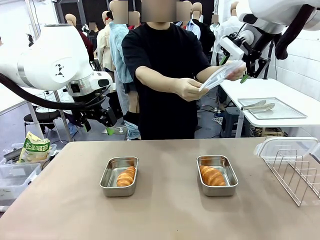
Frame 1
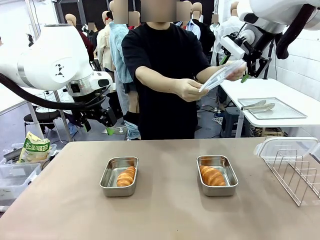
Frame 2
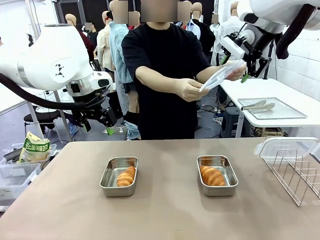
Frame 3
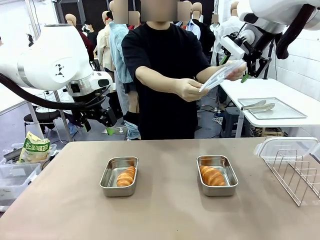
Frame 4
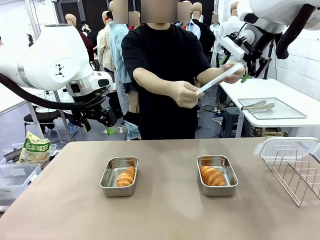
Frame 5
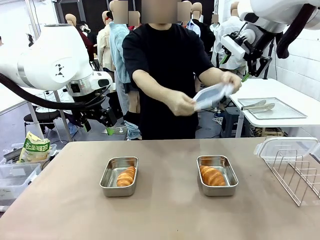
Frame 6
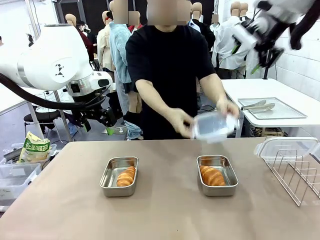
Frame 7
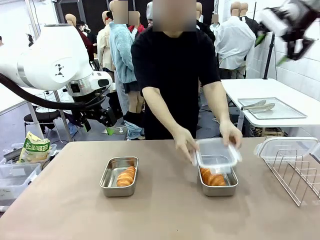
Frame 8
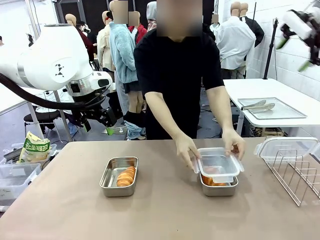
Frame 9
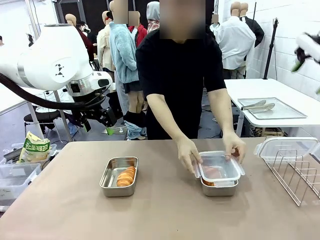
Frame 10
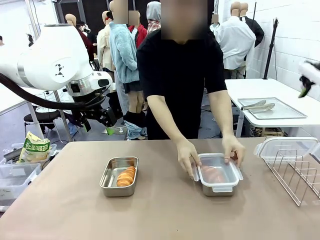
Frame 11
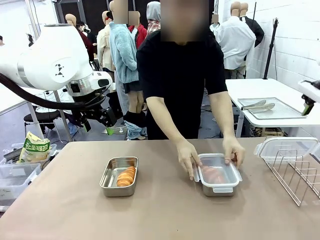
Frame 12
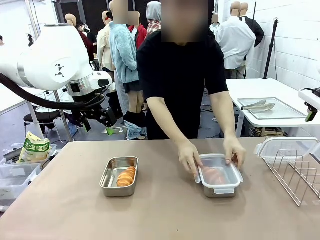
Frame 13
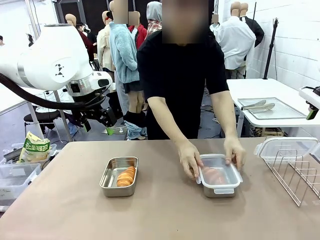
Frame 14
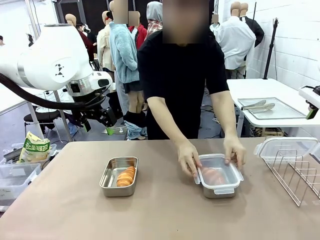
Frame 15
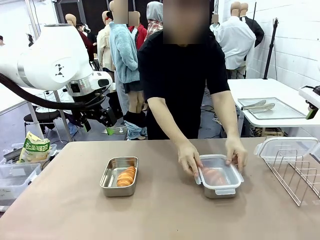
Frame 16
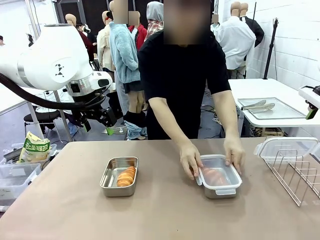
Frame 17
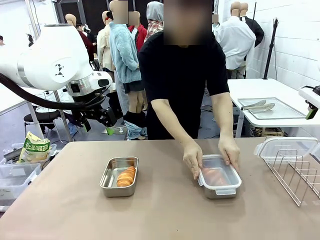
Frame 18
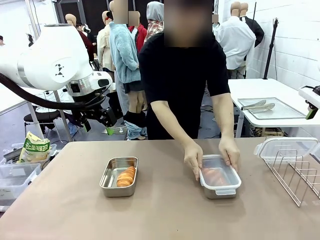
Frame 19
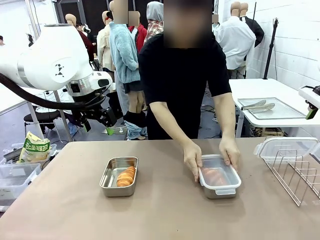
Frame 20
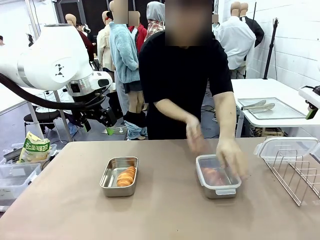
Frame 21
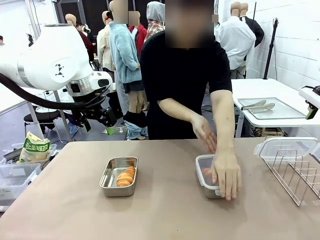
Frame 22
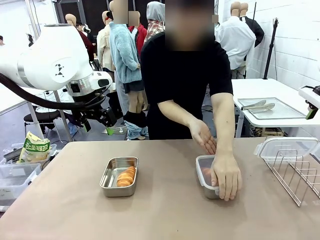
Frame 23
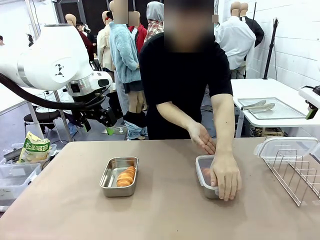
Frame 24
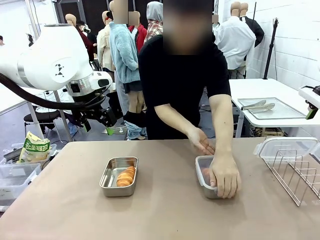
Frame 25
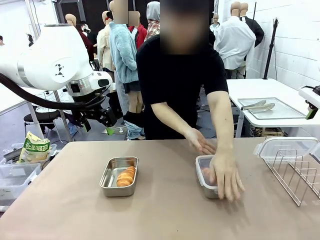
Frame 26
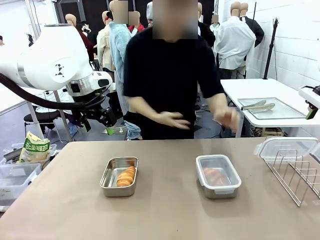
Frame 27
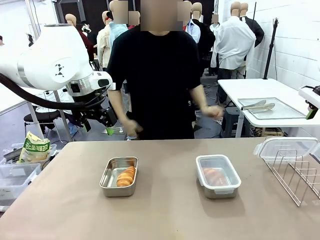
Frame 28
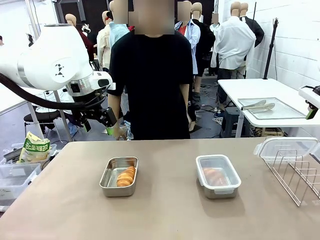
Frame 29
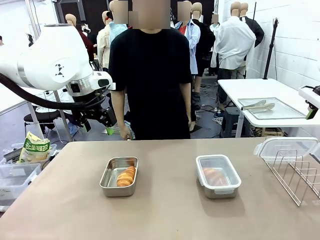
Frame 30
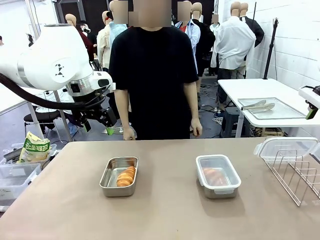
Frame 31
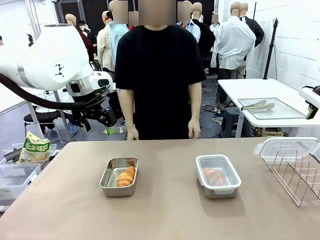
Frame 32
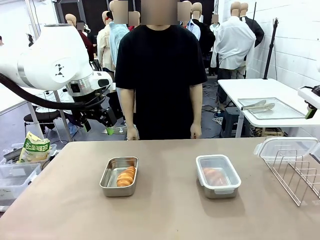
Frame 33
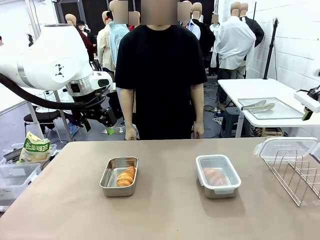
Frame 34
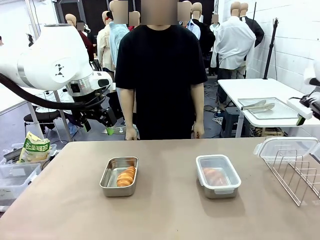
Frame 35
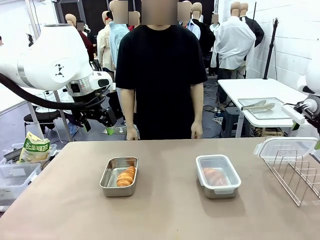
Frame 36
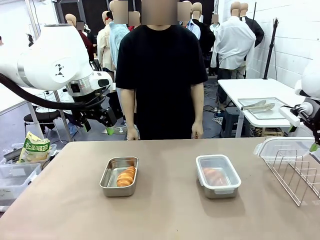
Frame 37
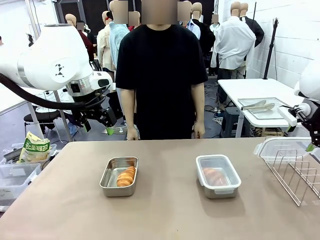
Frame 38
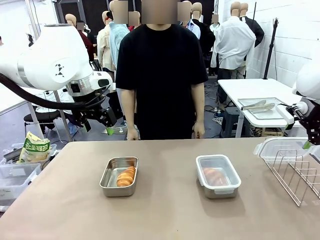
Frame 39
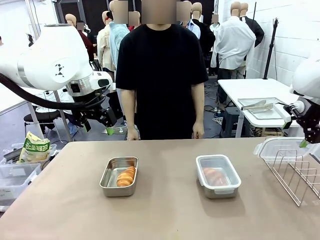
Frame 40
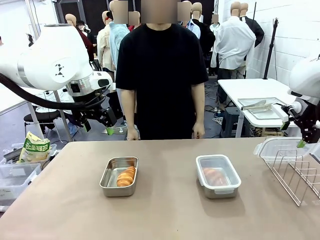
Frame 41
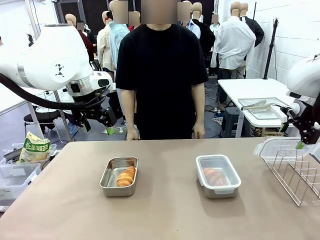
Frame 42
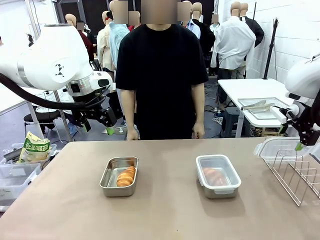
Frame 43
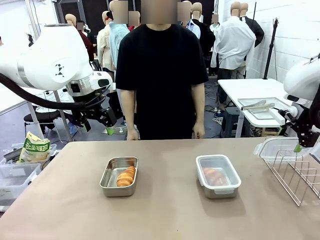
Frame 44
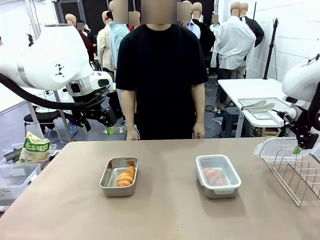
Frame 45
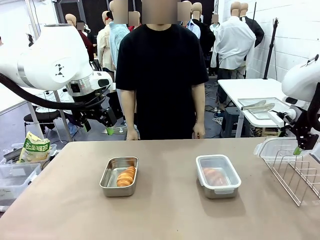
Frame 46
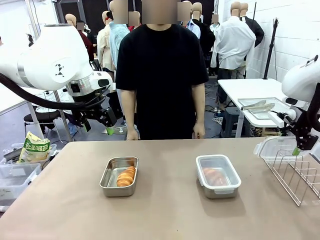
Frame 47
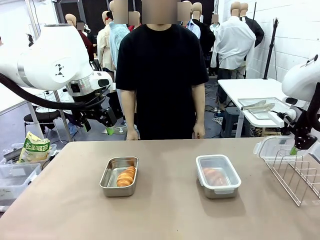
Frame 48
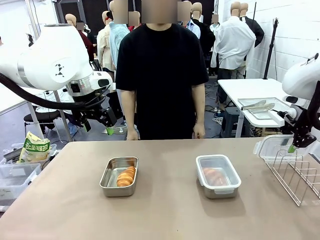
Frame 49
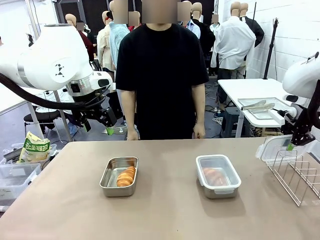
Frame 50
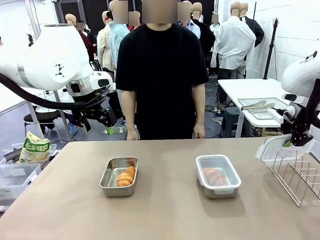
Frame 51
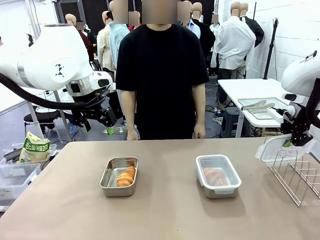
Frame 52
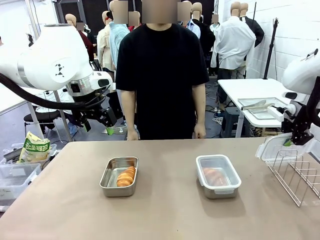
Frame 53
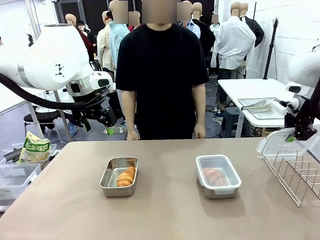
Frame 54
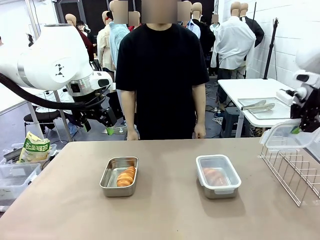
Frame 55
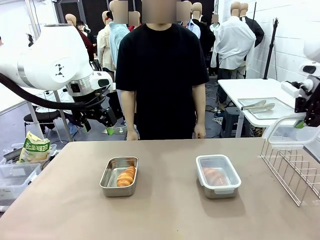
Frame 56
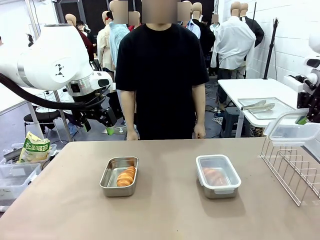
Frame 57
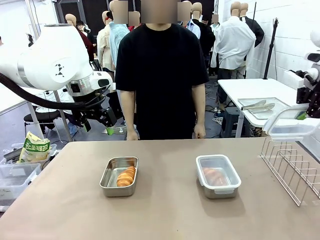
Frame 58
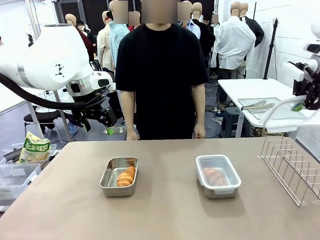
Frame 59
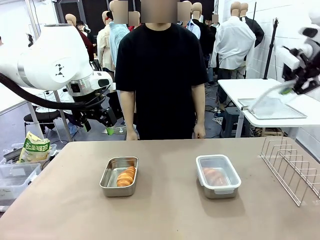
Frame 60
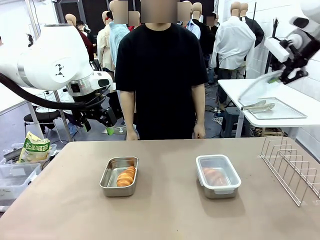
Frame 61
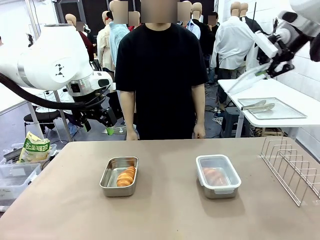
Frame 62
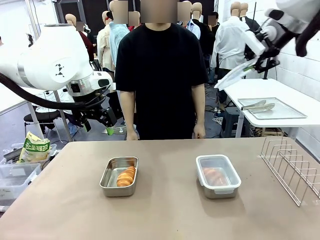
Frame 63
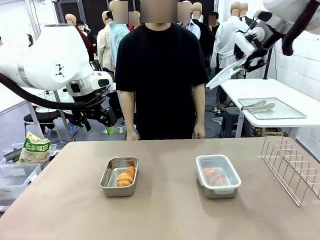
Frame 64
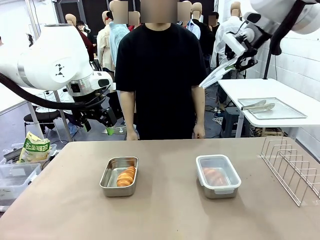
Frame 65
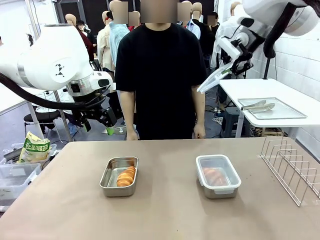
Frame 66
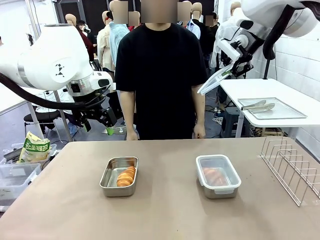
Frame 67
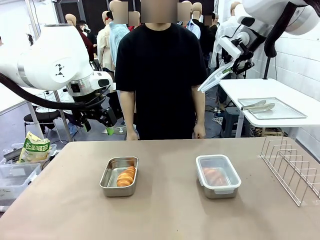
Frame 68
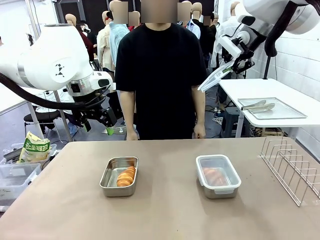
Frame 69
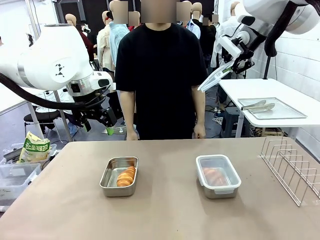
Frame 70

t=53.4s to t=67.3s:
Task: Place the bread in airtight containers.
Robot: Pick up one Airtight Container lid and hand it to the human.
Person: Close Airtight Container with a handed Airtight Container lid. Grip Airtight Container lid that robot is handing.

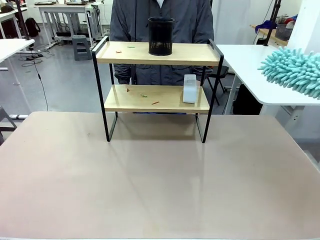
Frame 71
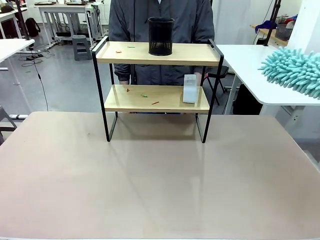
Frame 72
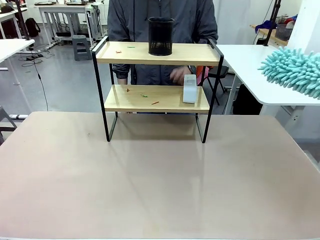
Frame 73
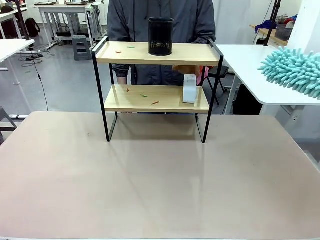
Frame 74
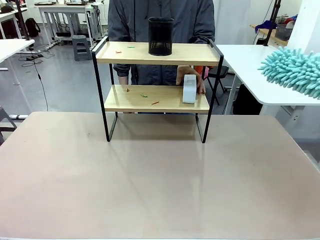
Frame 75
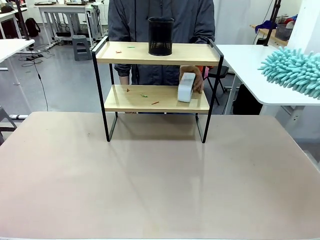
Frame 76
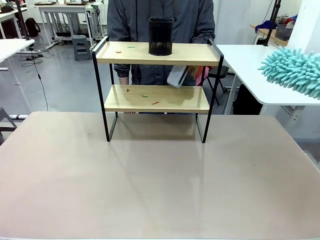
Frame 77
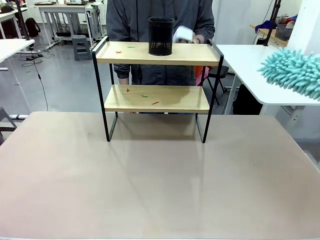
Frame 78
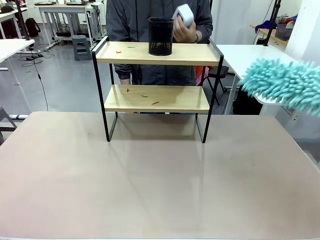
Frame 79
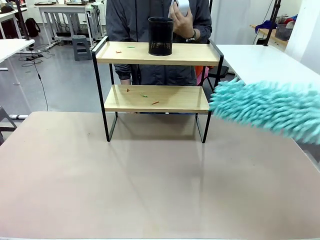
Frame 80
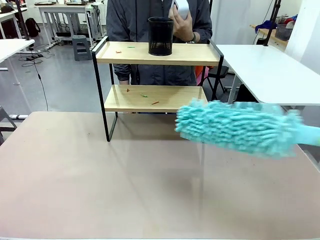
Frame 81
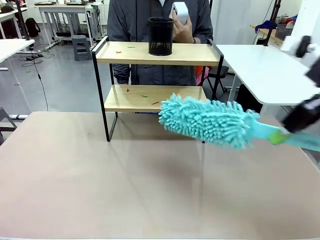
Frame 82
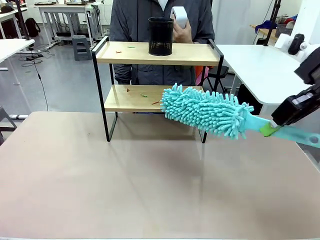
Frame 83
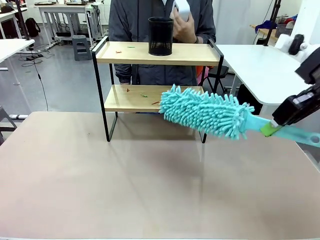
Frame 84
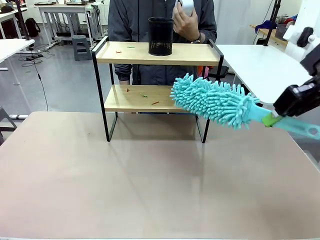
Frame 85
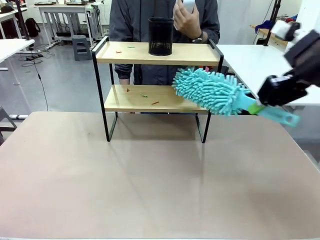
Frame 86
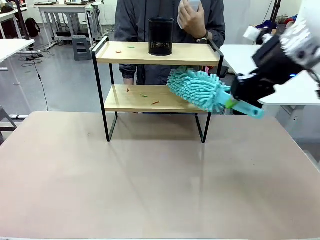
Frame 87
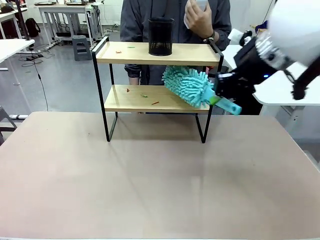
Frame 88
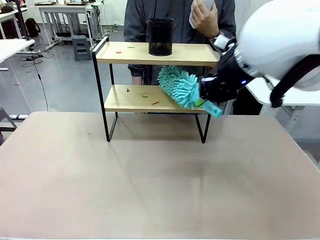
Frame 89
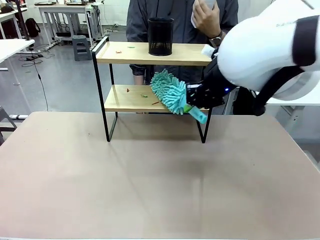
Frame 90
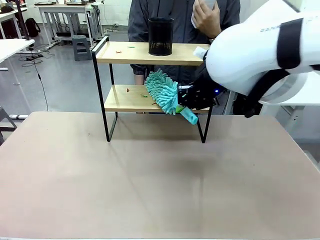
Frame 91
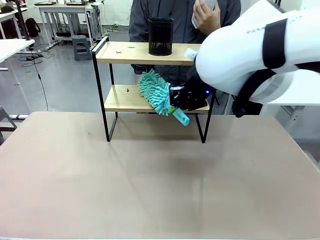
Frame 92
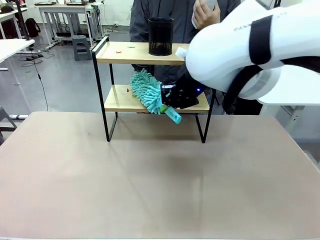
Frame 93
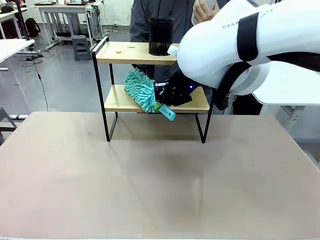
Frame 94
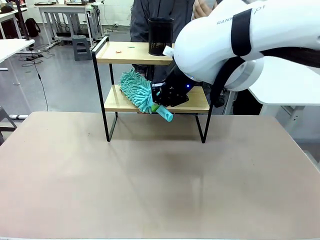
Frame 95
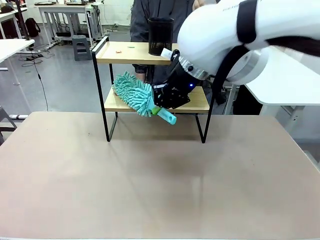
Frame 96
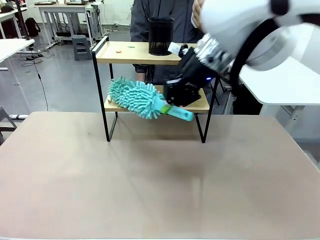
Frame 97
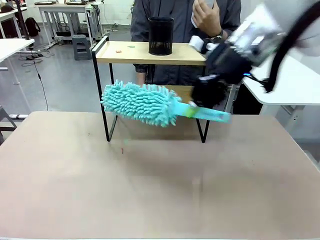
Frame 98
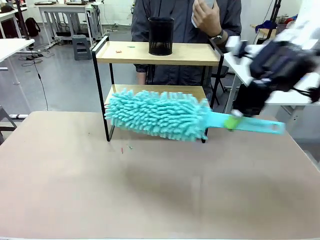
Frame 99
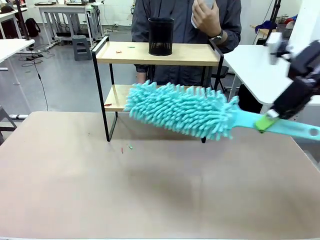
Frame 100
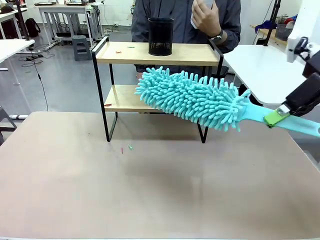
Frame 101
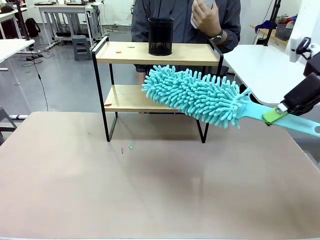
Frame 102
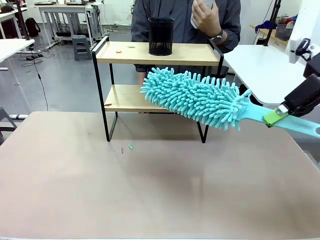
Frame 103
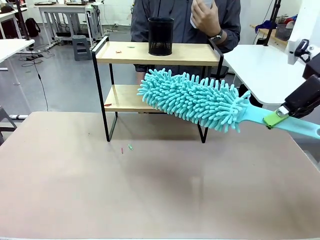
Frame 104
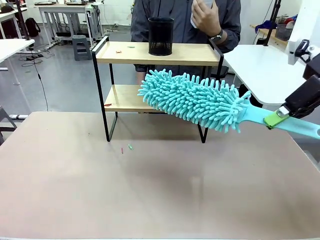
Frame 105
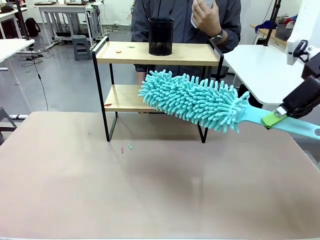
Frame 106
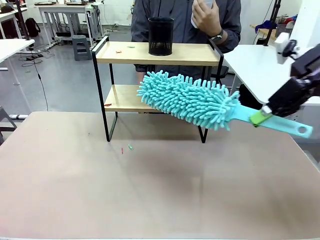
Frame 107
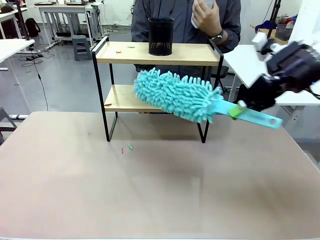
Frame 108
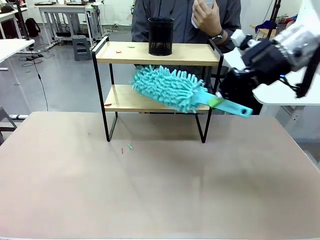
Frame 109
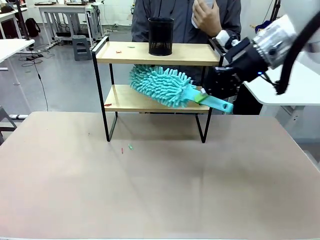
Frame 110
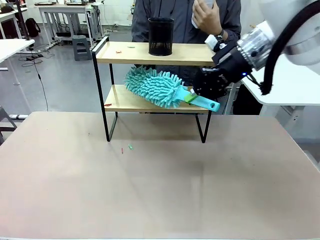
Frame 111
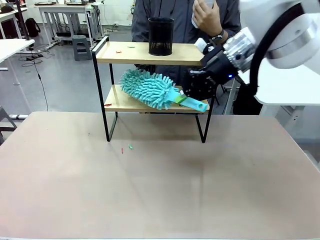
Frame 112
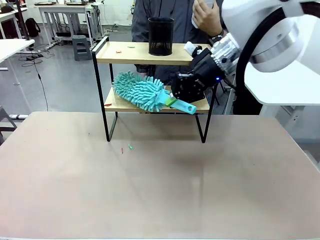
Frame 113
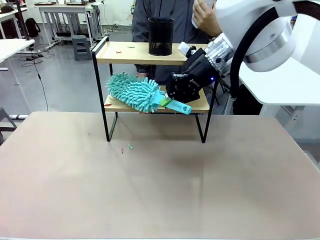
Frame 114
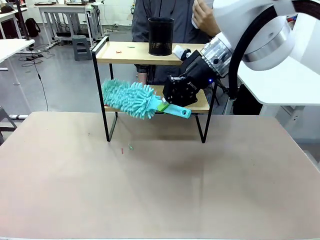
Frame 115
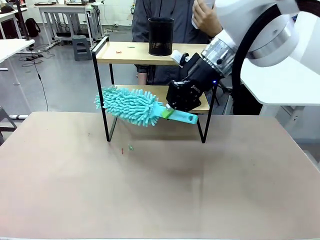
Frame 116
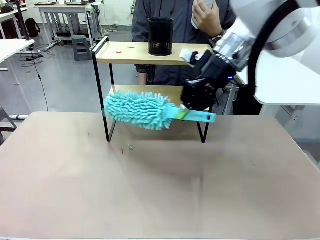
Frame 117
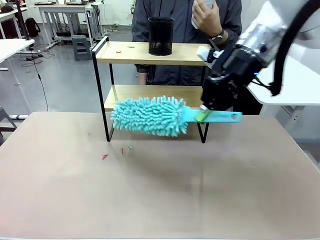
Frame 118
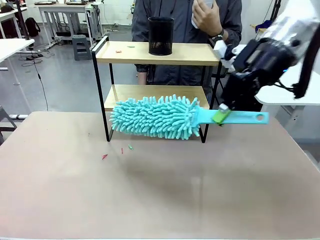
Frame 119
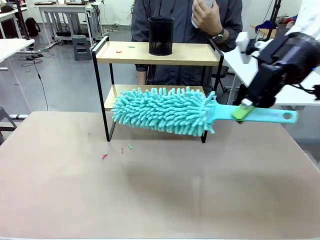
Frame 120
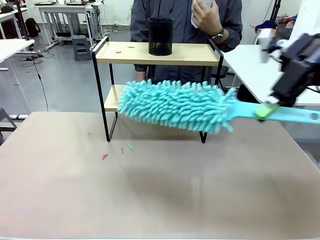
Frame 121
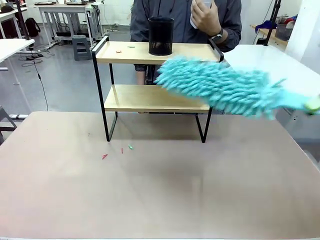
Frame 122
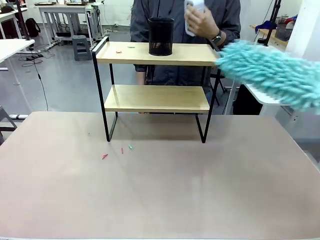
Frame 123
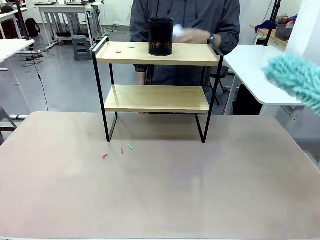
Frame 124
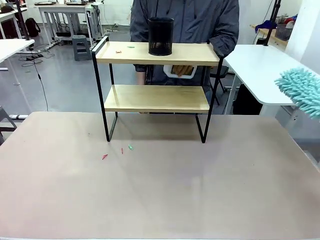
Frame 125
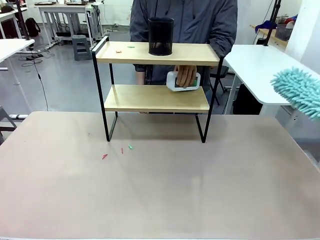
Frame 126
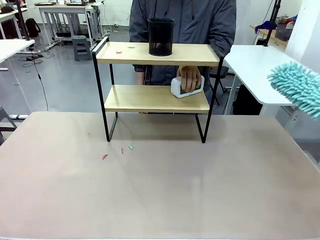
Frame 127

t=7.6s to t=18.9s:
Task: Clean the shelf.
Robot: Clean the specific tier of the Shelf with the Duster once objects are removed.
Person: Lift the objects on a randomly selected tier of the Shelf. Once the robot finishes cleaning, lift the objects on the remaining tiers of the Shelf.
